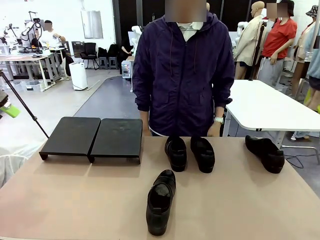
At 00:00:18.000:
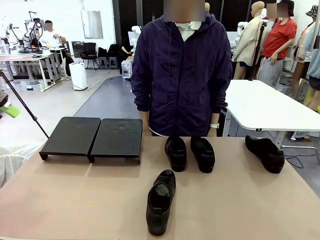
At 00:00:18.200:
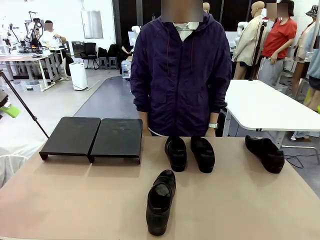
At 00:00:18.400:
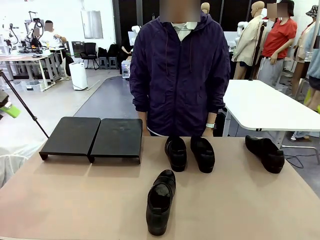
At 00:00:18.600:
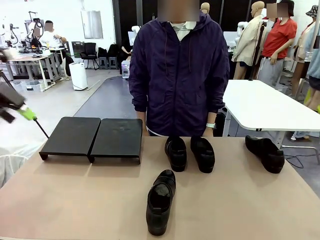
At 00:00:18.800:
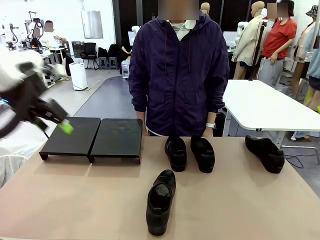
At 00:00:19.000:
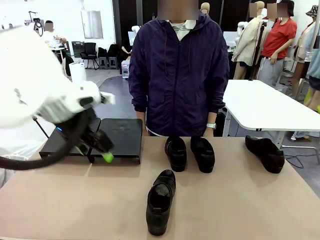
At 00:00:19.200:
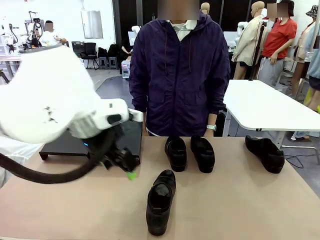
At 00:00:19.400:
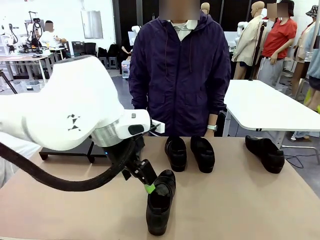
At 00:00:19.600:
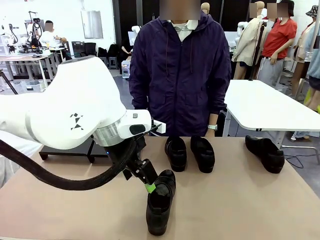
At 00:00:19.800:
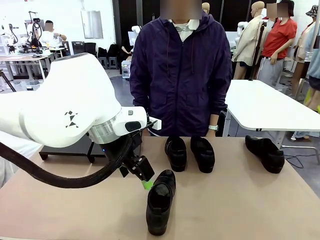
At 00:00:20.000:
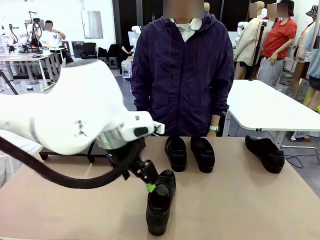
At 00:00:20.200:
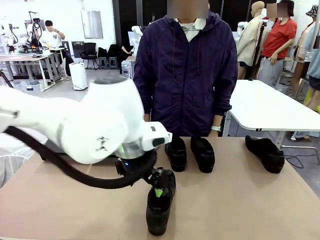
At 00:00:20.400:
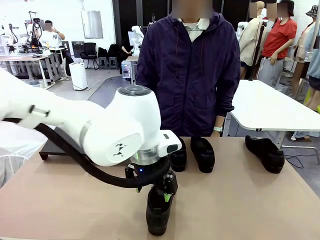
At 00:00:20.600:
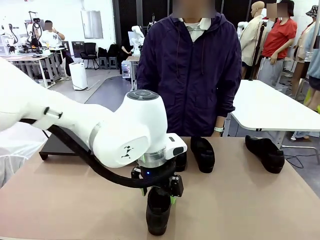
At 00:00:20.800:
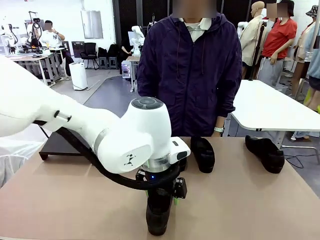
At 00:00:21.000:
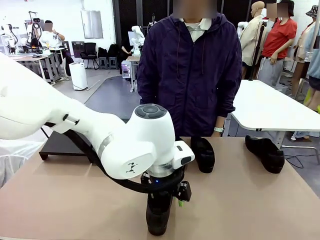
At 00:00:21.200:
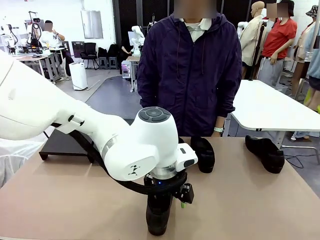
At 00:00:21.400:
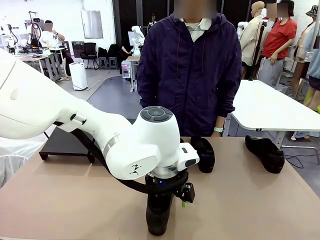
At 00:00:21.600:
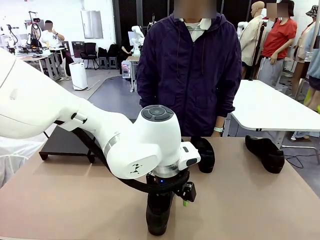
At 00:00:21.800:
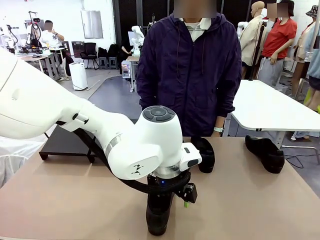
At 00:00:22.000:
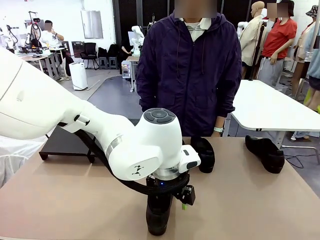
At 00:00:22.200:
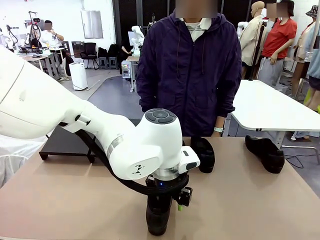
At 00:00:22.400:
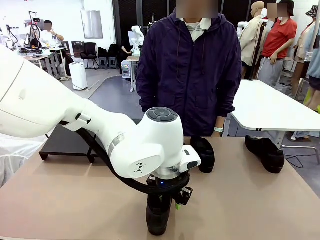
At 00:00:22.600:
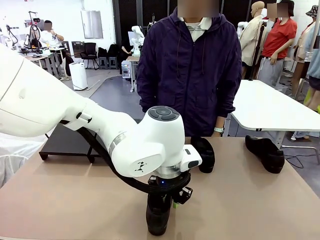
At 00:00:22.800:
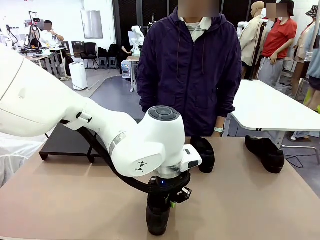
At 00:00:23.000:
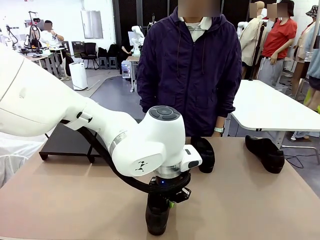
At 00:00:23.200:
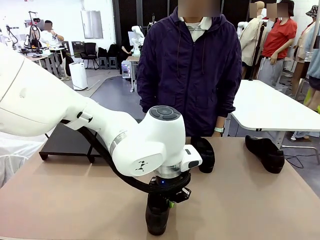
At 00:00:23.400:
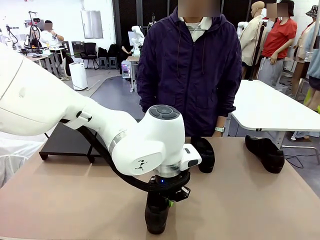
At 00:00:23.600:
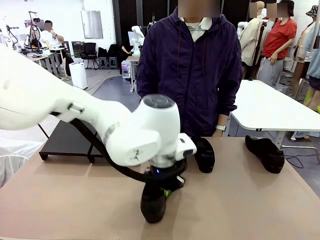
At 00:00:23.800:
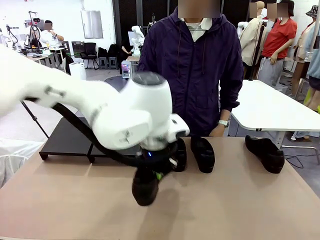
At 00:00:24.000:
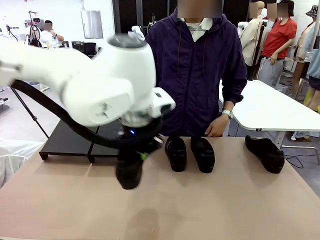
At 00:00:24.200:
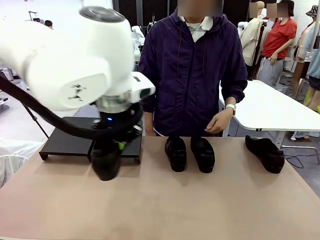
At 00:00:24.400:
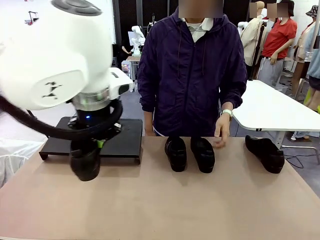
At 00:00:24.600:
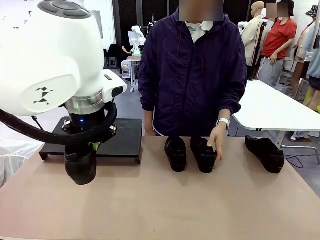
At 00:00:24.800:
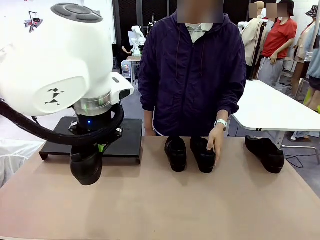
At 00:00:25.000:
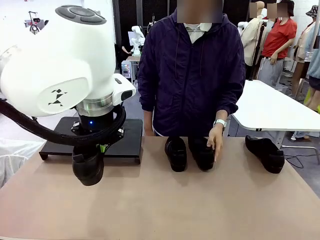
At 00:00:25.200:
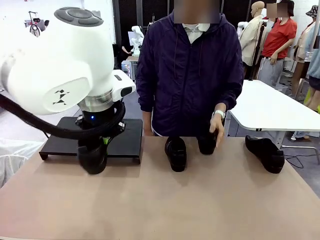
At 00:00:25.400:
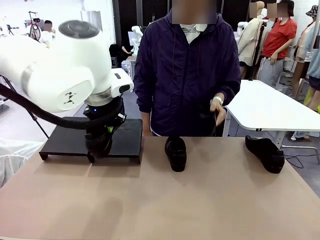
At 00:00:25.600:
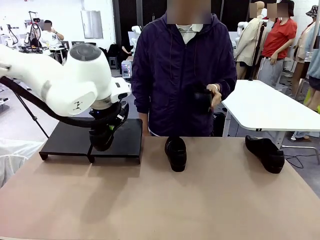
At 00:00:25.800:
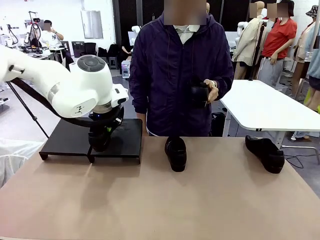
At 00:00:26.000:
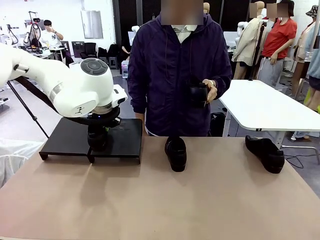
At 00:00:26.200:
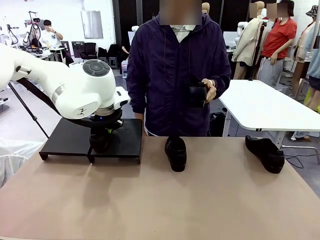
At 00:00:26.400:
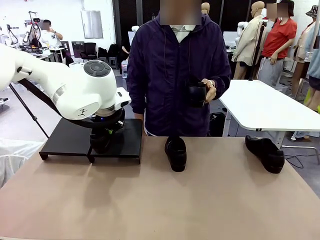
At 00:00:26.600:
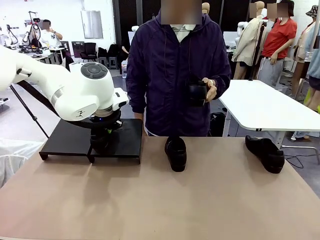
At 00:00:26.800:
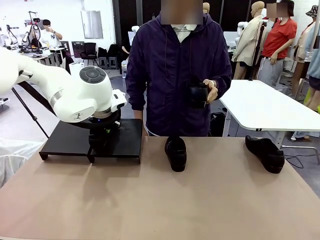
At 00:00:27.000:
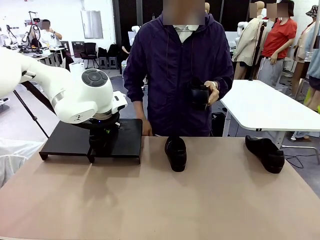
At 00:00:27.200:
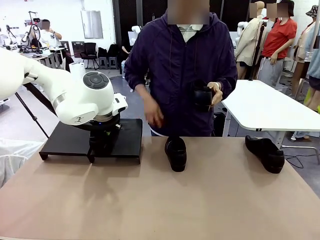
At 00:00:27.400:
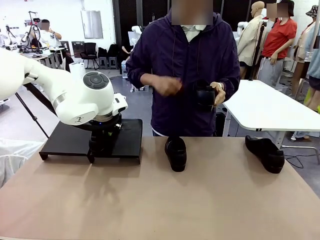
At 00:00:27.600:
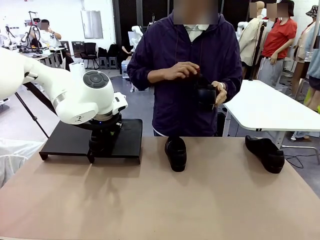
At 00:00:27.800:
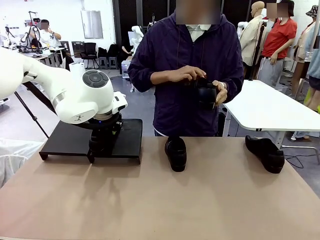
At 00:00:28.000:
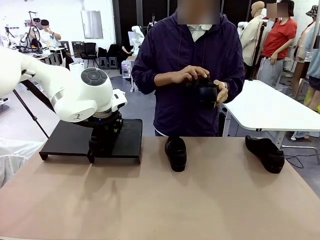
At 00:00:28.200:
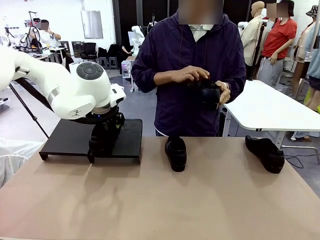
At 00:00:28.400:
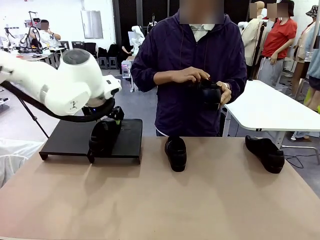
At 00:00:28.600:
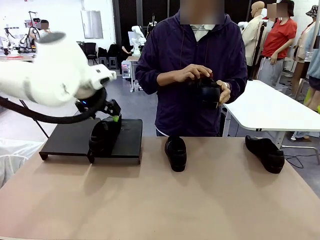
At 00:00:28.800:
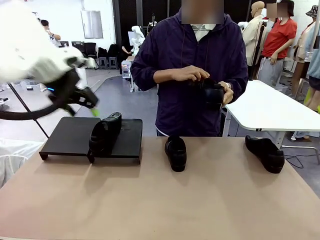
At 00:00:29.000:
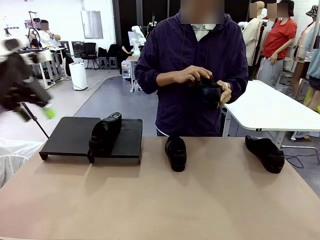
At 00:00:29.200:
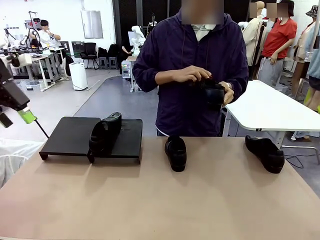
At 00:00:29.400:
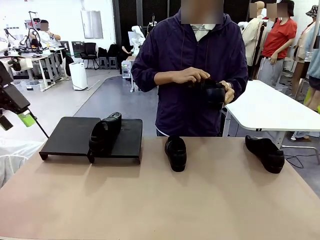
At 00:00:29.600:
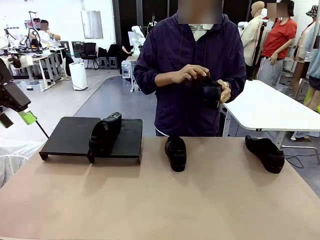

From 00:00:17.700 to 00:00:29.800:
Task: Organize the shoes by placing them on the stand.
Robot: Place the Shoe from the middle of the table onto the Shoes Stand.
Person: Pick one Shoe on Robot's table. Clean the Shoe with the Shoe Brush.
